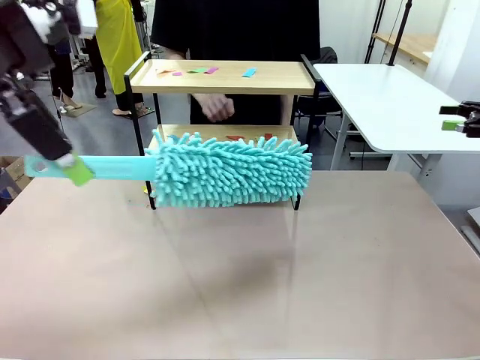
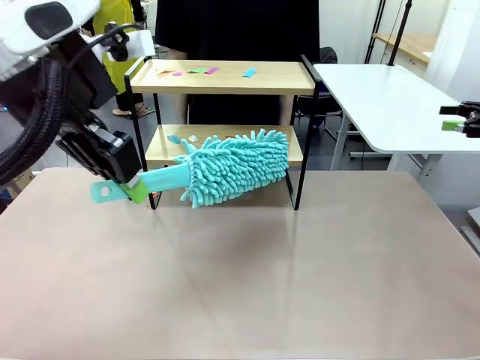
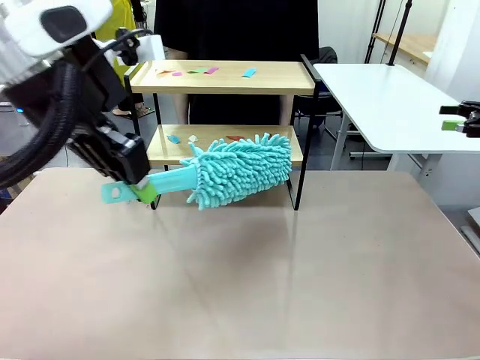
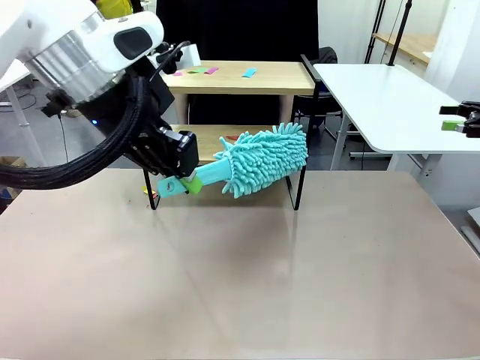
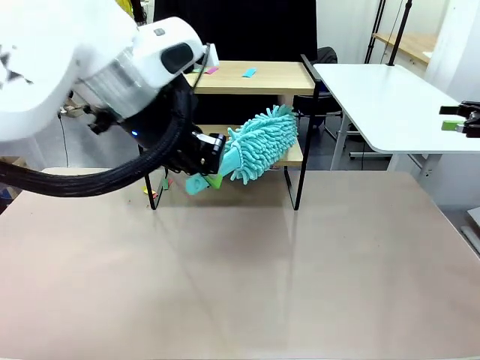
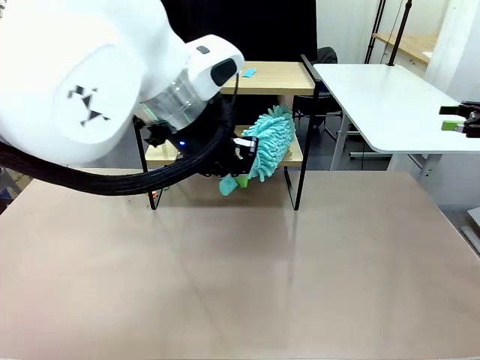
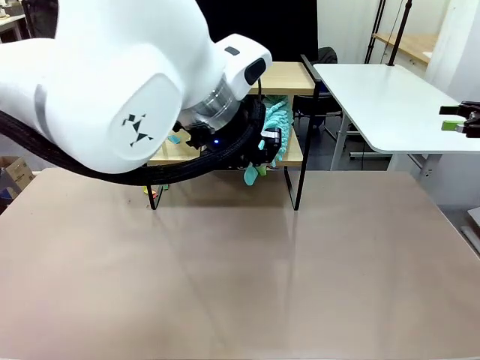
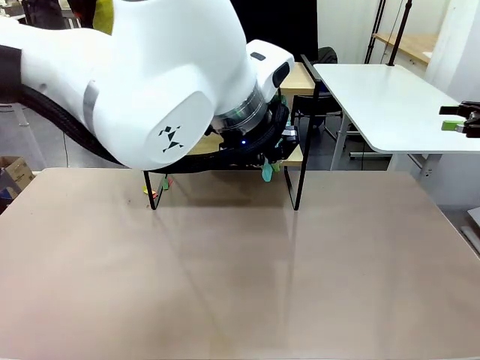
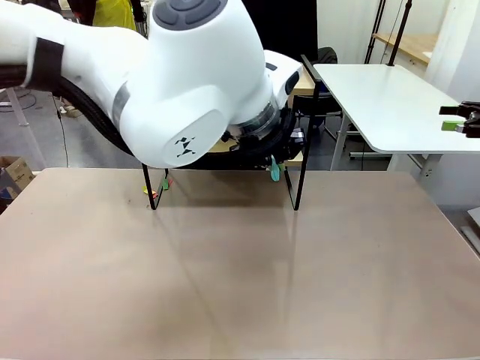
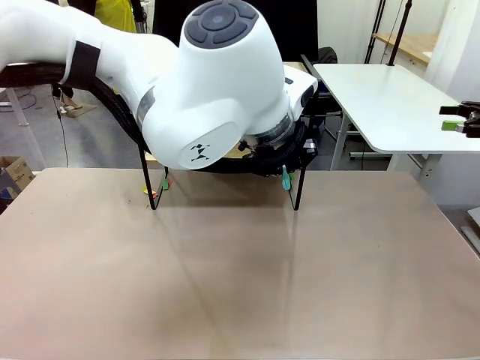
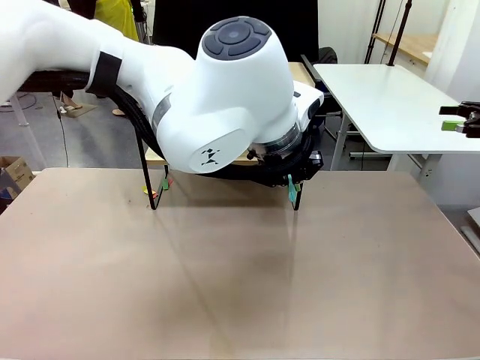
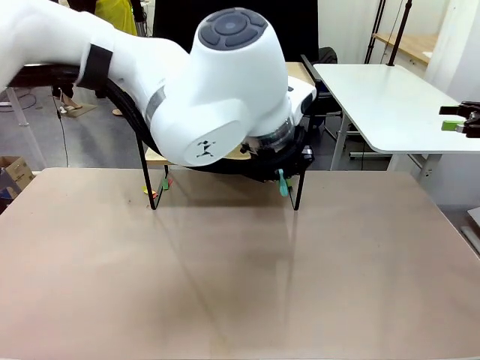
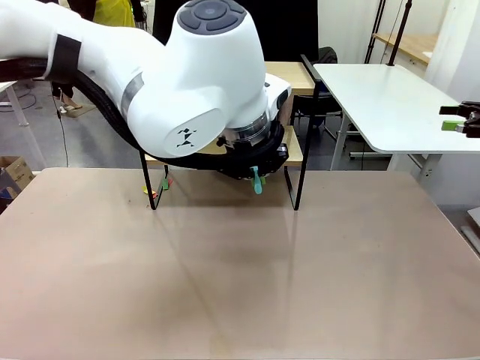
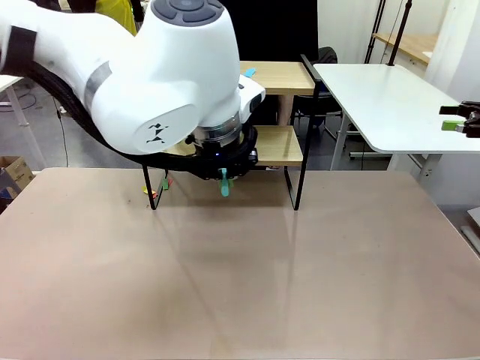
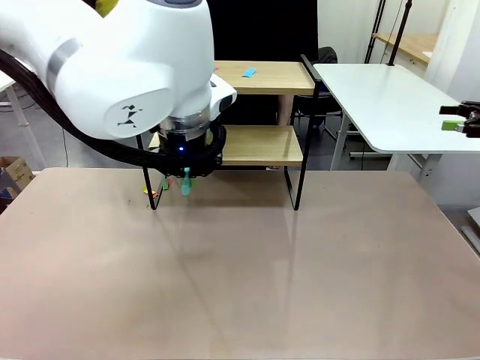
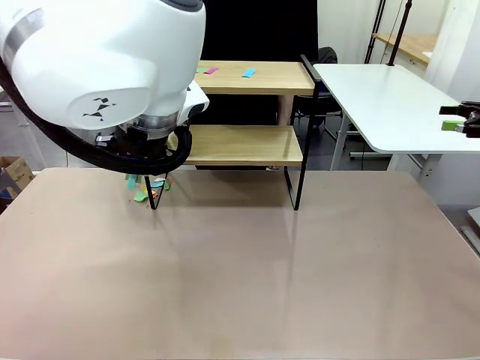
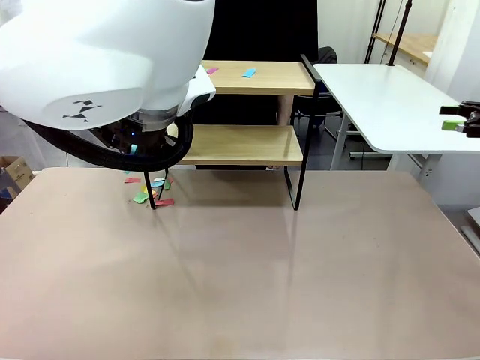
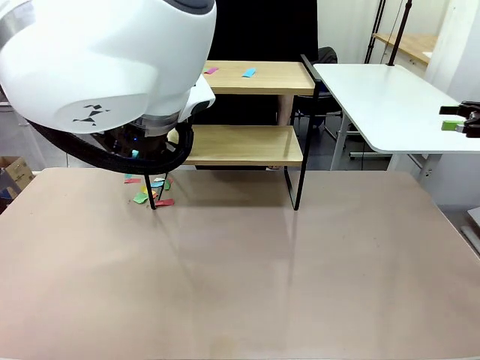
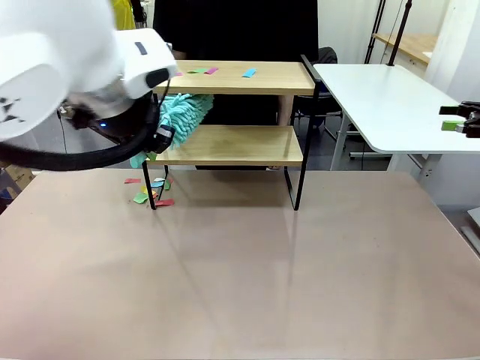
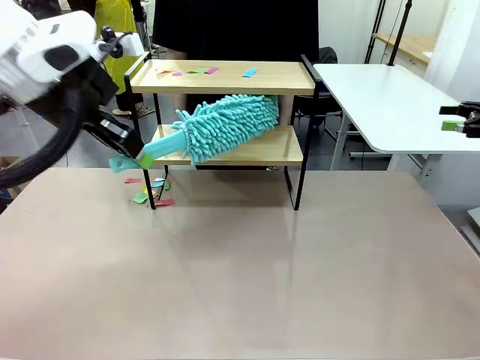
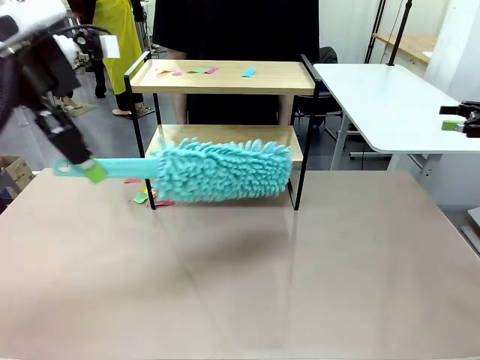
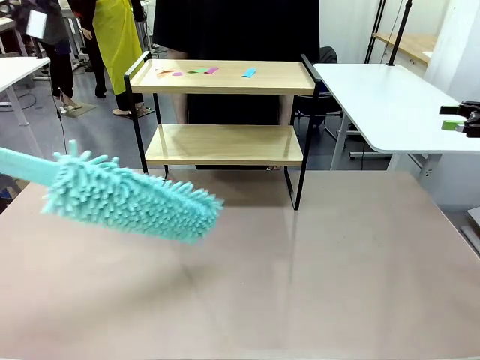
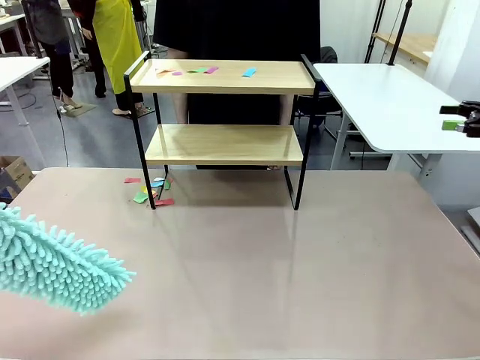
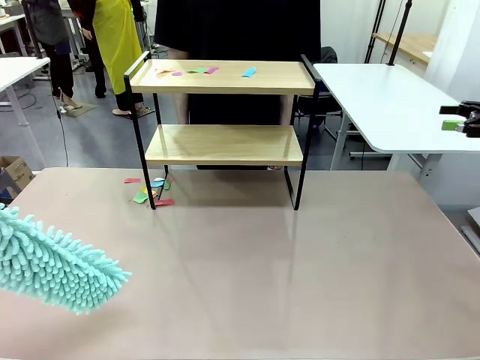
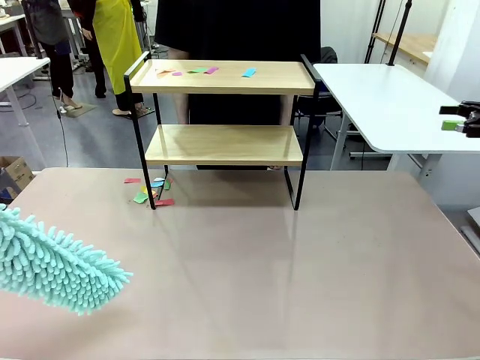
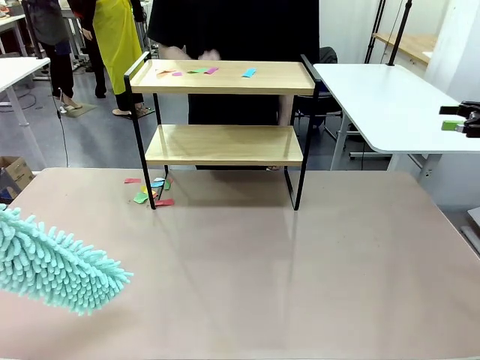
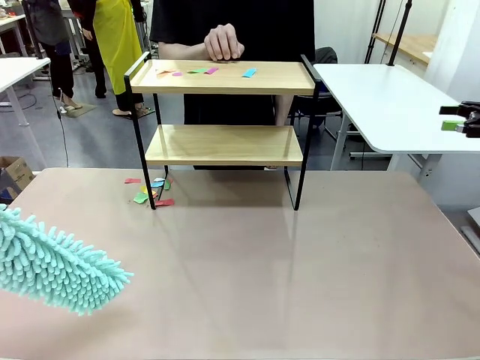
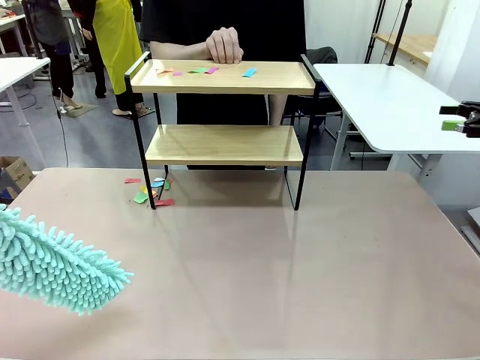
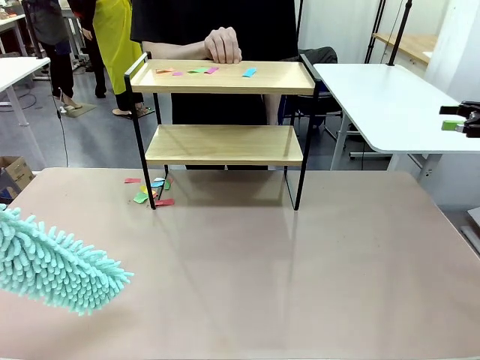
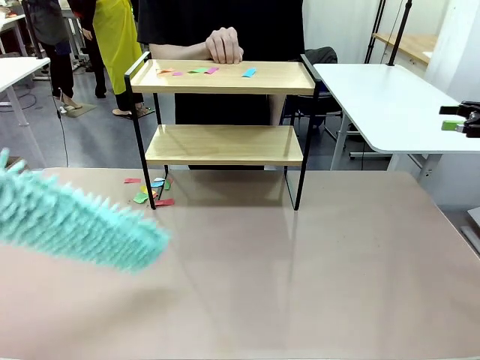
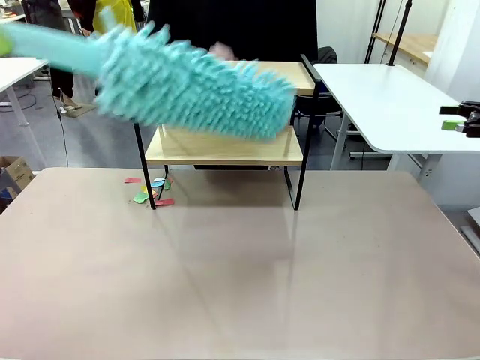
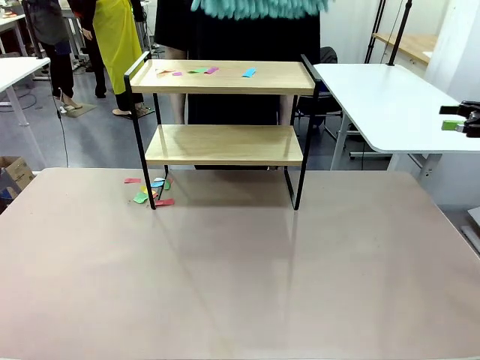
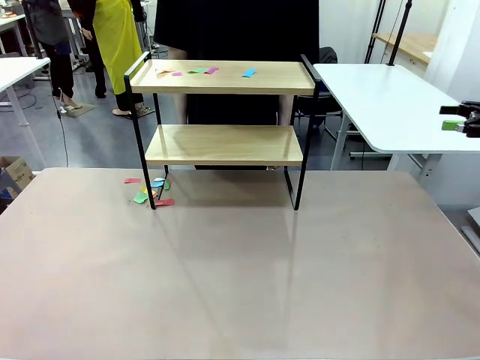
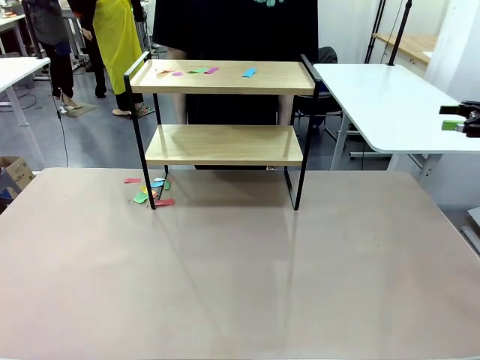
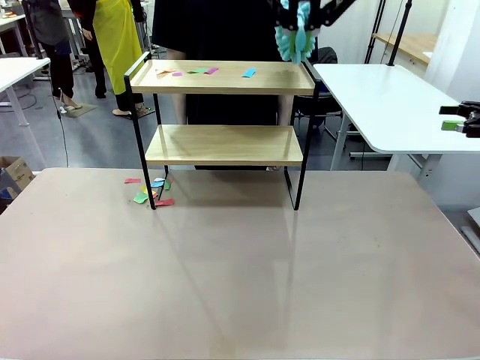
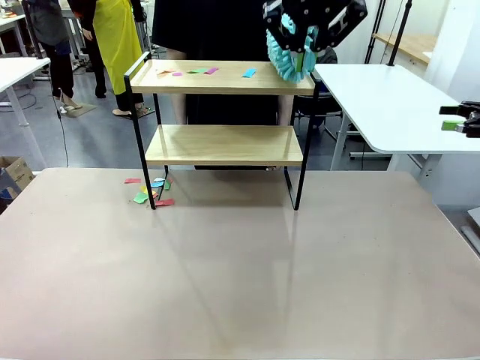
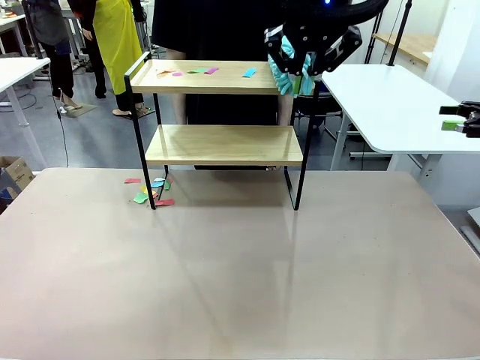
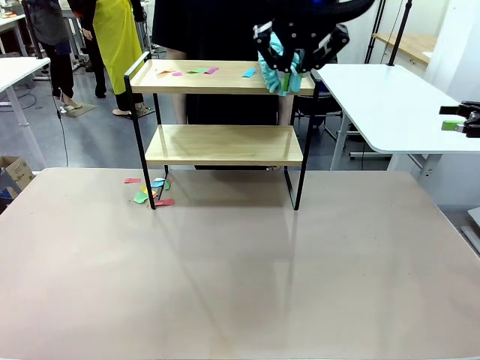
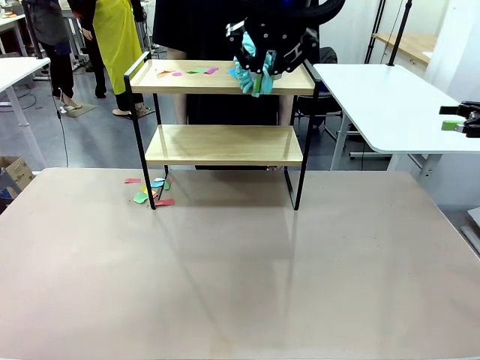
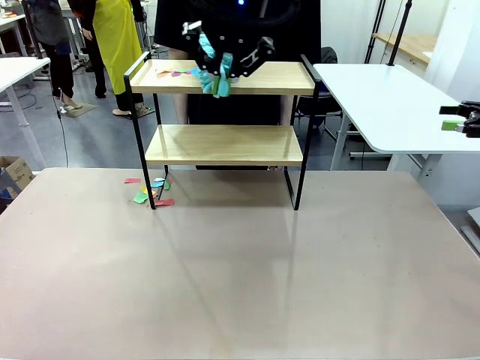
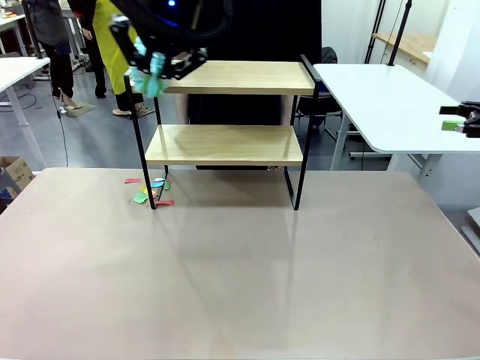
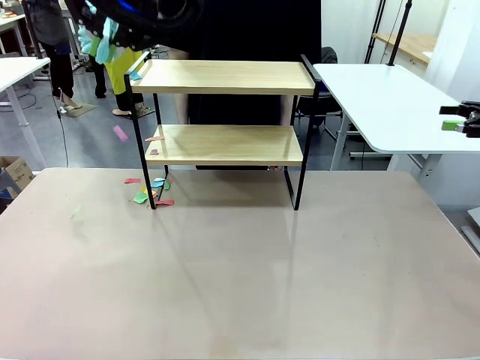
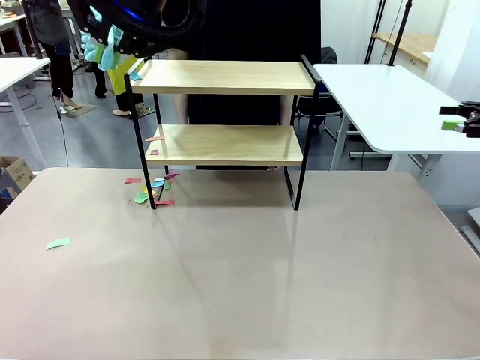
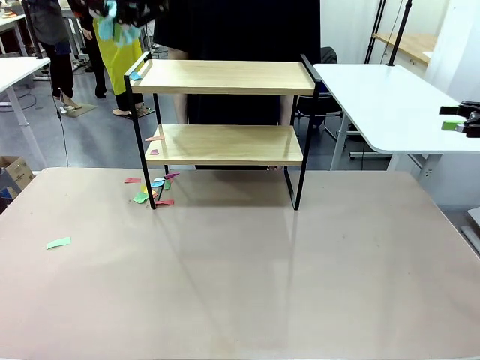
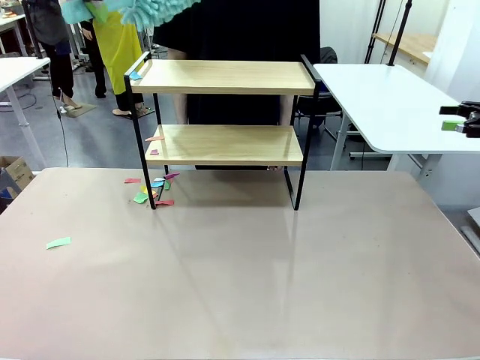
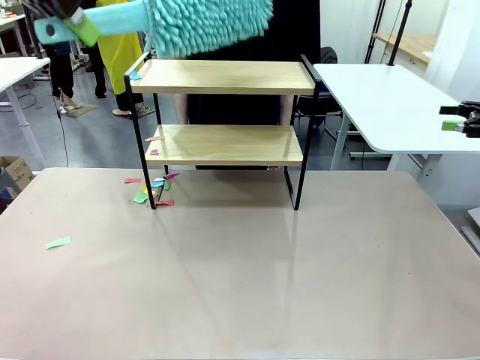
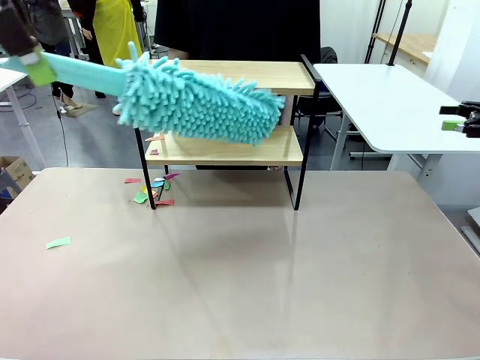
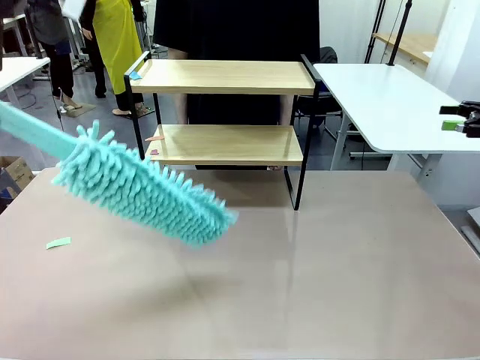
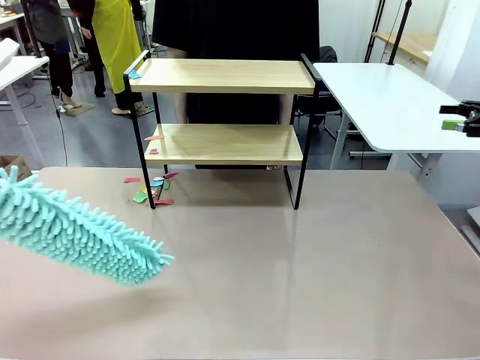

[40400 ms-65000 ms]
Task: Clean the shelf.
Robot: Clean the specific section of the Shelf indicated by the human with the Duster.
Person: Point a remaining section of the Shelf.
